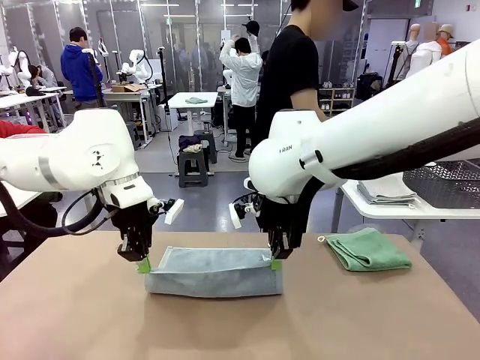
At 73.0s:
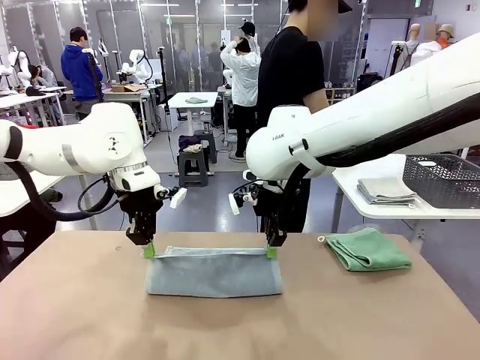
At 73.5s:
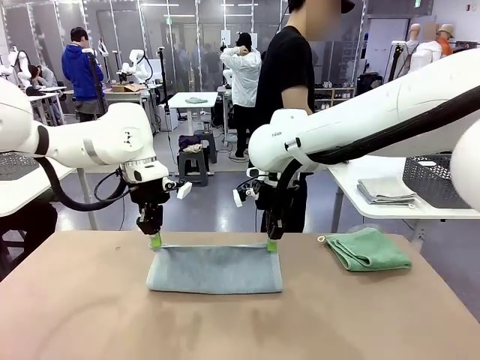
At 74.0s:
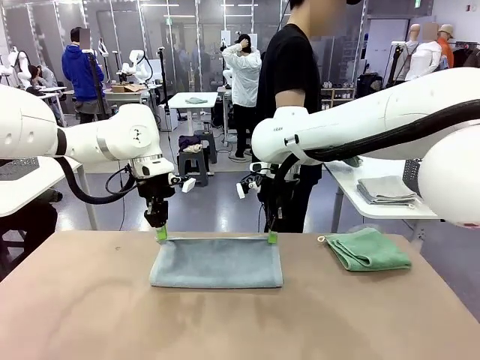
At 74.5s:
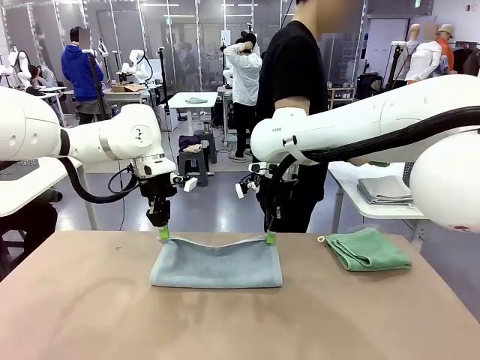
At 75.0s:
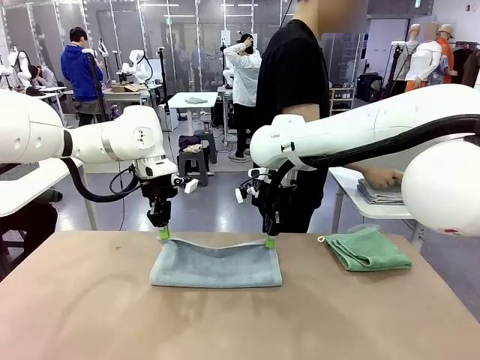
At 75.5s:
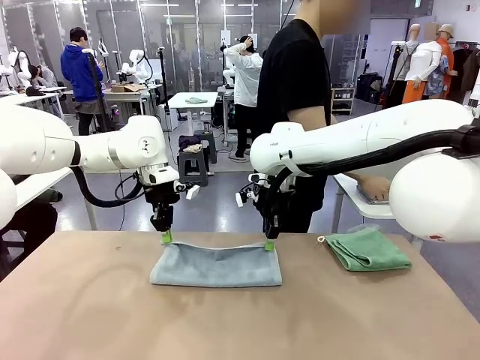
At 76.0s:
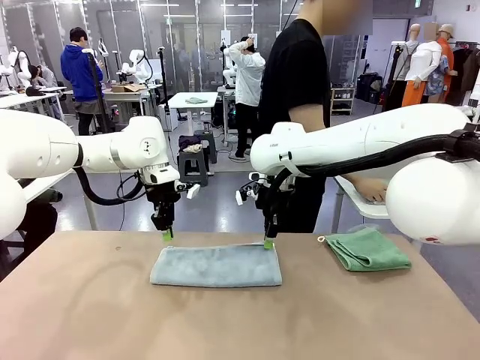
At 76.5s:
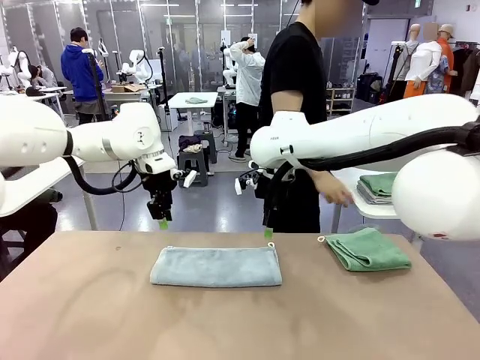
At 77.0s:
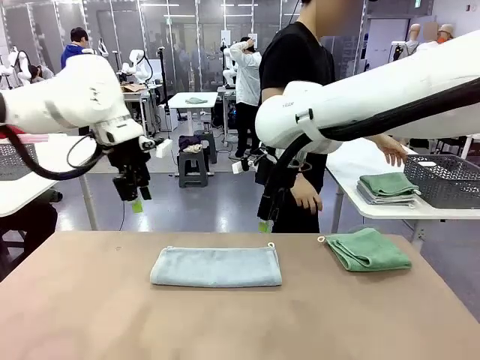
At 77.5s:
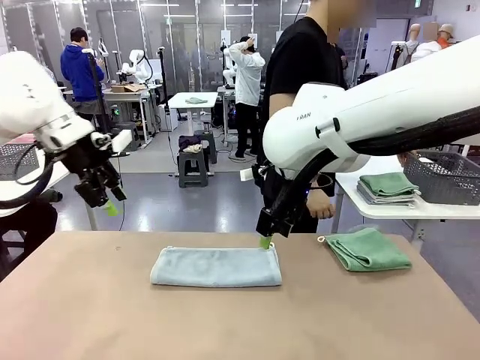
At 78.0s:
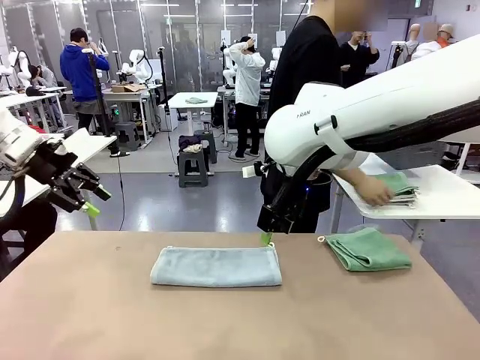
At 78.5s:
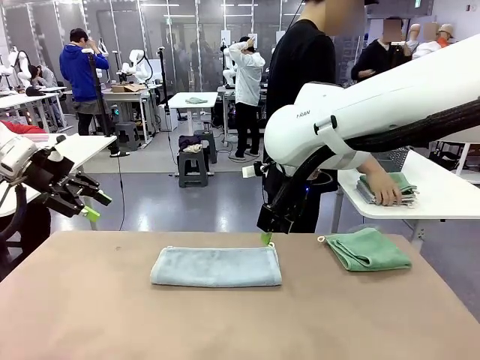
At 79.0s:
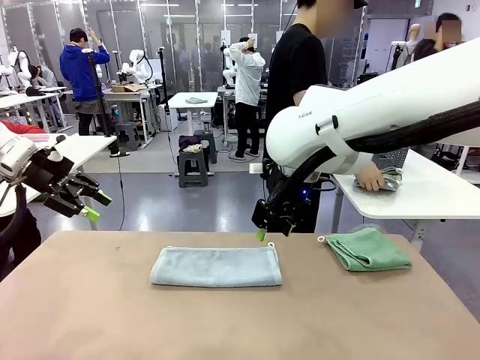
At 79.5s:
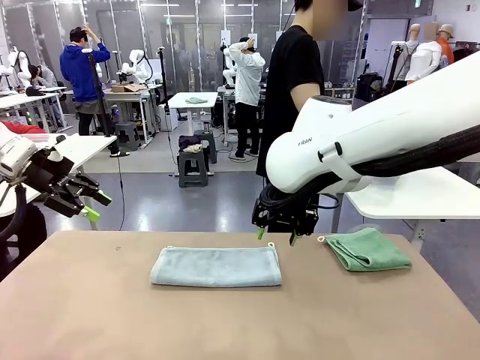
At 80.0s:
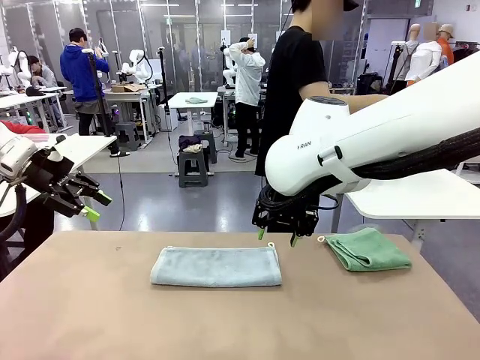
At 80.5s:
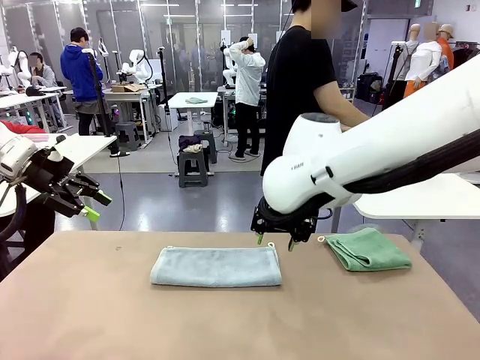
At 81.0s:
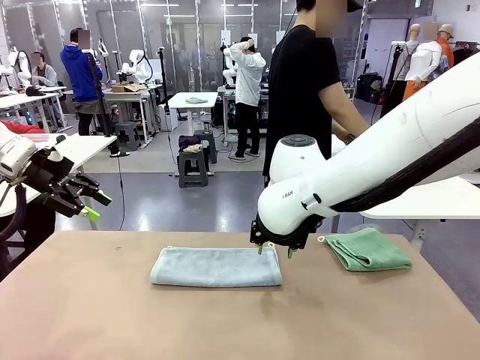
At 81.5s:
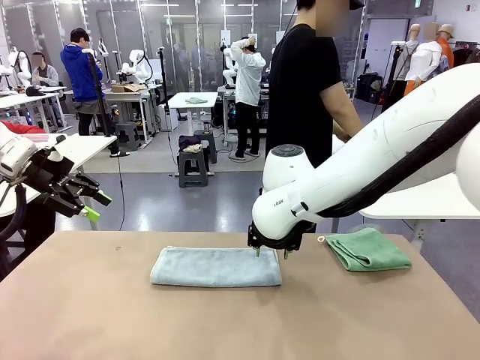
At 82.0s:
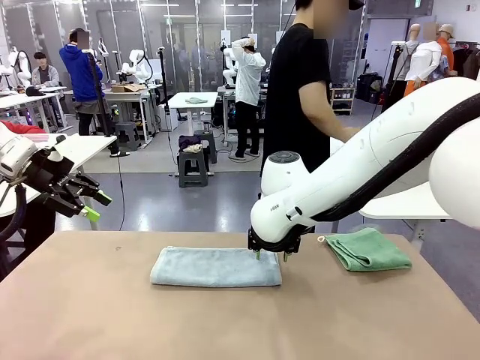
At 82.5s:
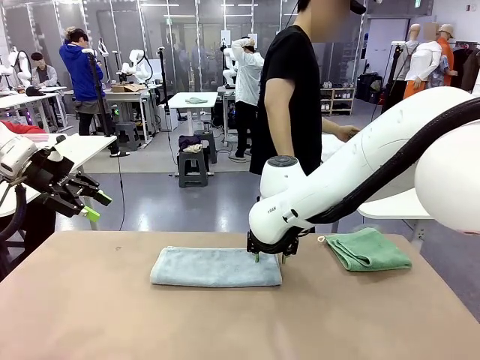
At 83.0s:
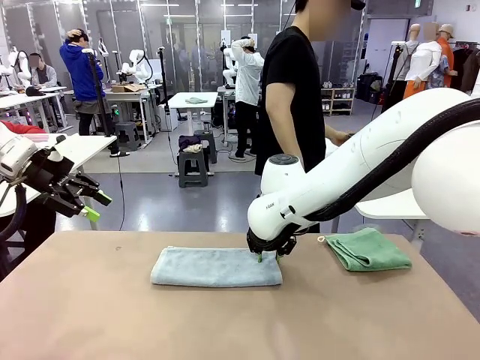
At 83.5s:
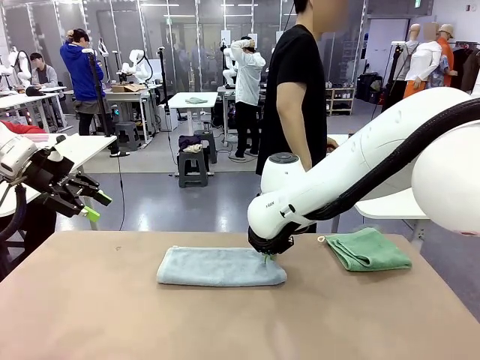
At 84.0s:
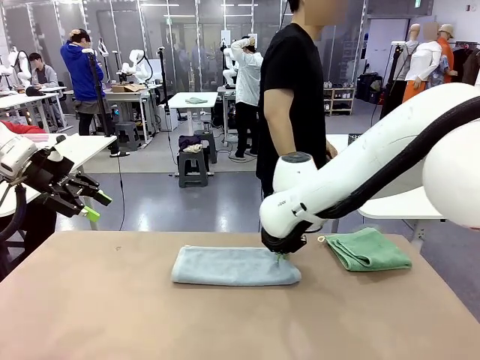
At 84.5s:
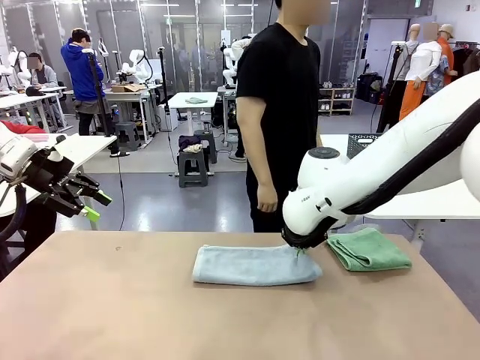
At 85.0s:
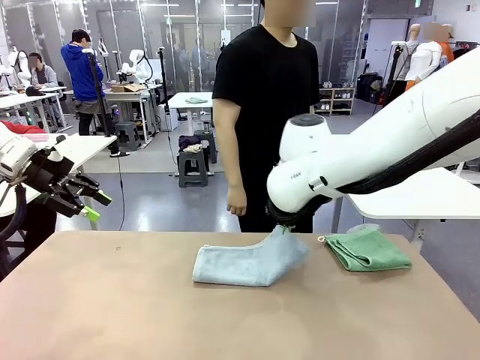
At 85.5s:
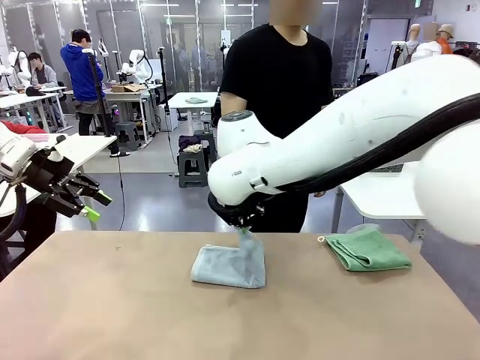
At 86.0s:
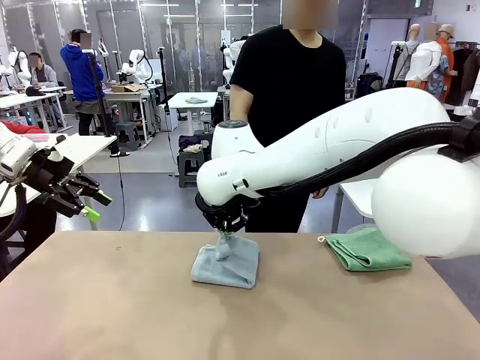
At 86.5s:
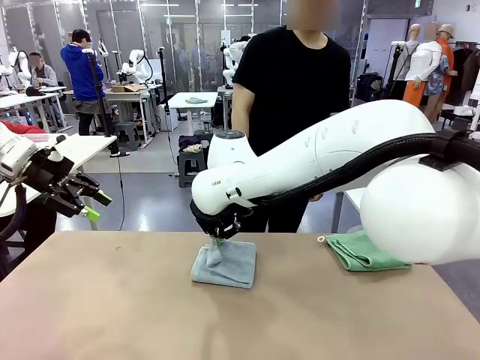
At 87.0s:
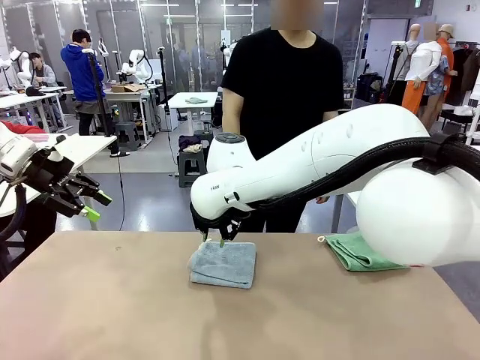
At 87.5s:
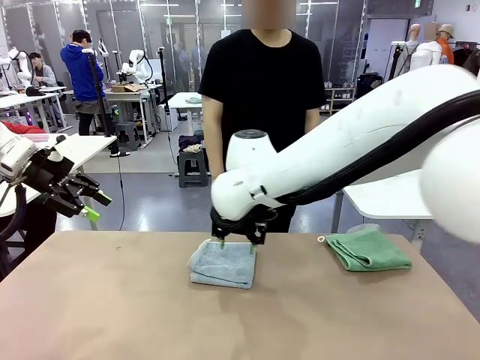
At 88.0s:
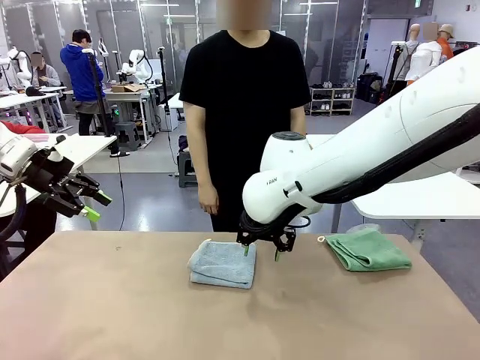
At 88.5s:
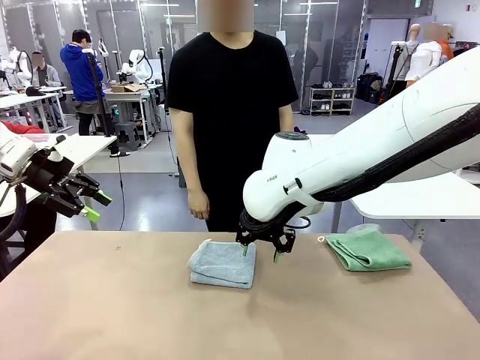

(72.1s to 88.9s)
Task: Fold the towels and place them in the basket.
Robot: When a person lays out a Towel with hook on the table, fold it in half twice.
Person: Pick up the stack of towels from the right side of the human table, place it into the basket, and put the basket at the center of the table.

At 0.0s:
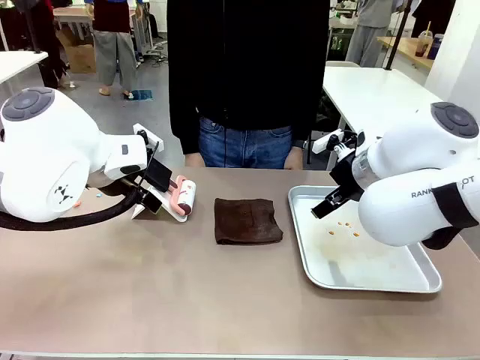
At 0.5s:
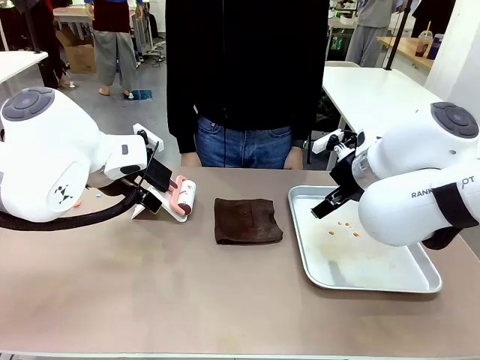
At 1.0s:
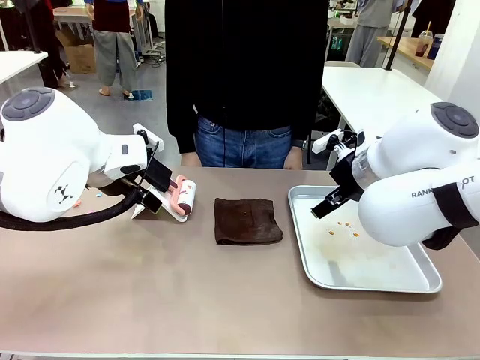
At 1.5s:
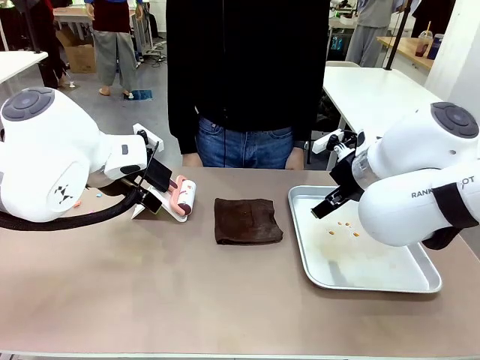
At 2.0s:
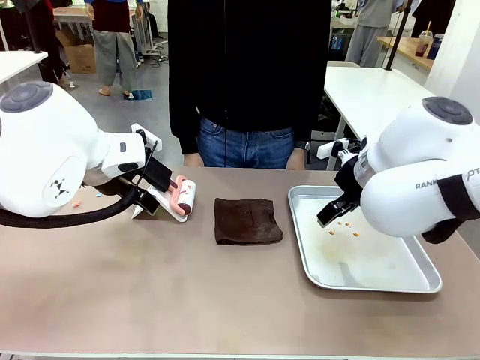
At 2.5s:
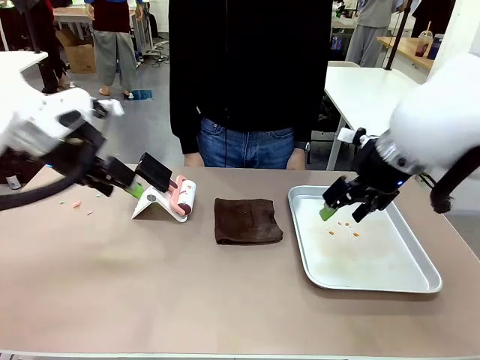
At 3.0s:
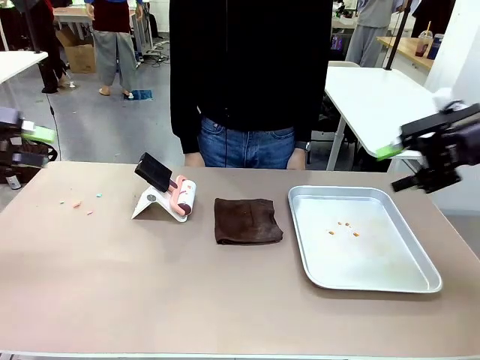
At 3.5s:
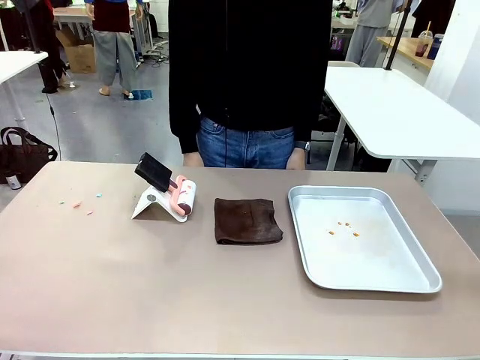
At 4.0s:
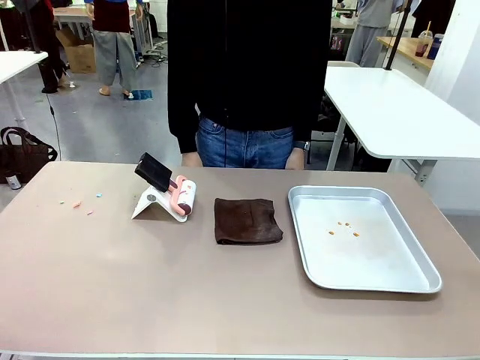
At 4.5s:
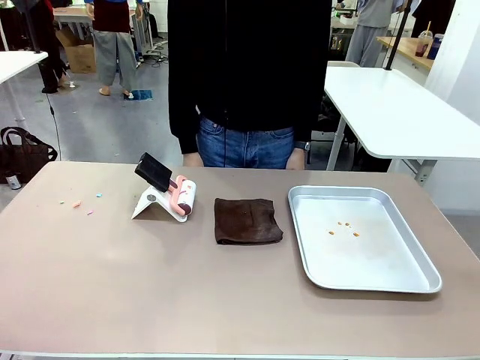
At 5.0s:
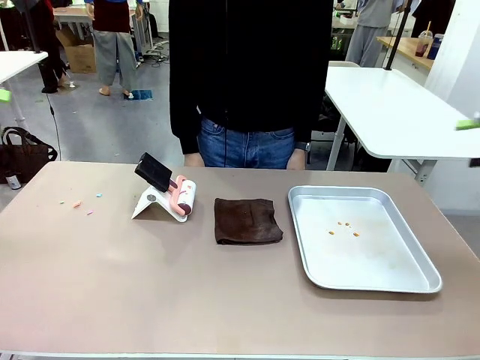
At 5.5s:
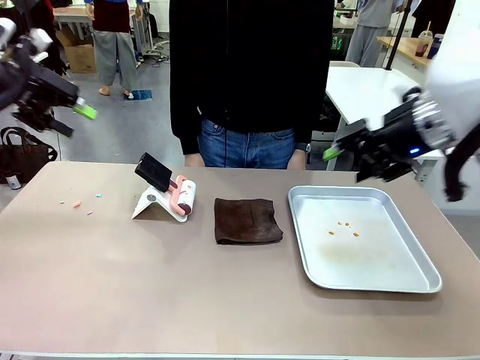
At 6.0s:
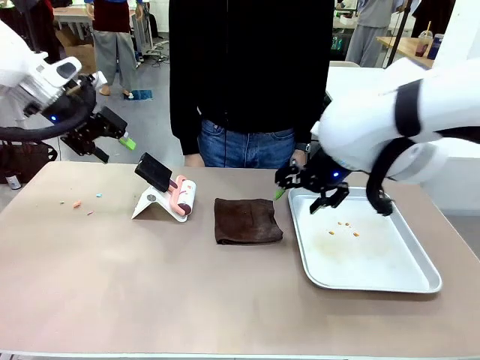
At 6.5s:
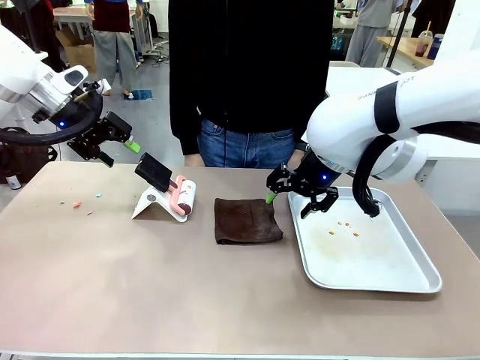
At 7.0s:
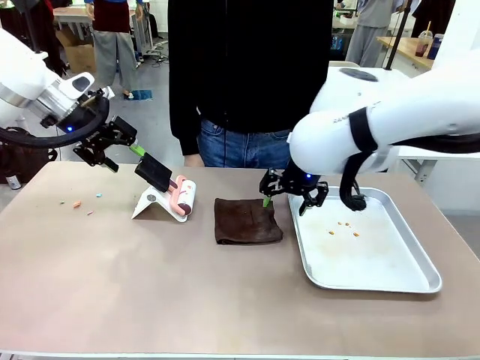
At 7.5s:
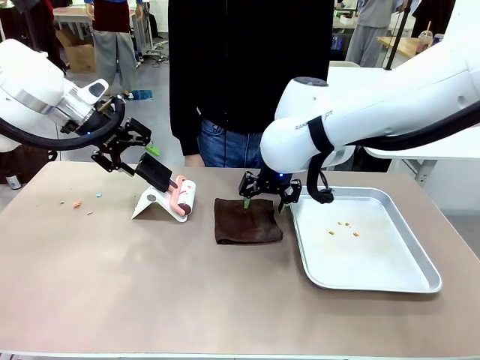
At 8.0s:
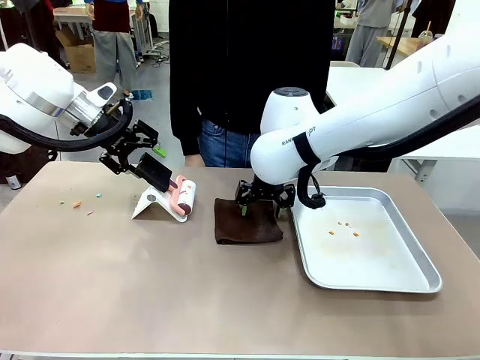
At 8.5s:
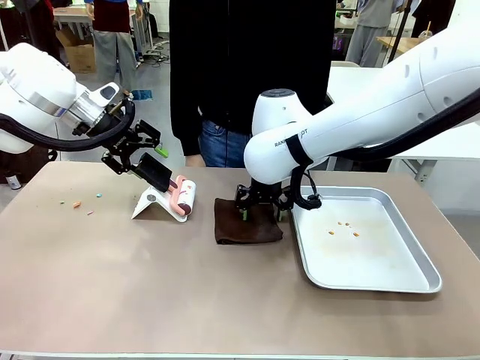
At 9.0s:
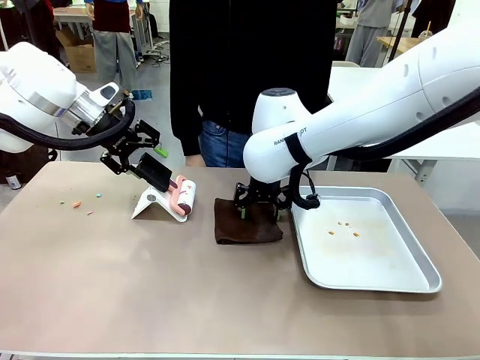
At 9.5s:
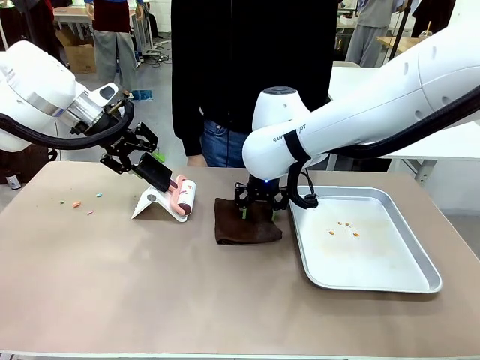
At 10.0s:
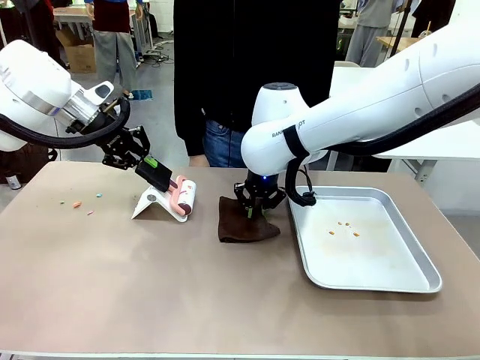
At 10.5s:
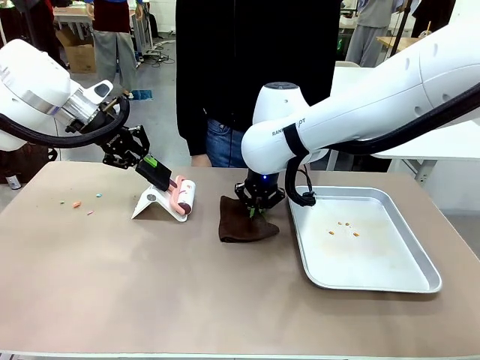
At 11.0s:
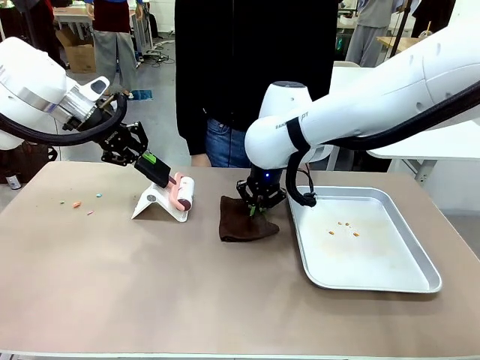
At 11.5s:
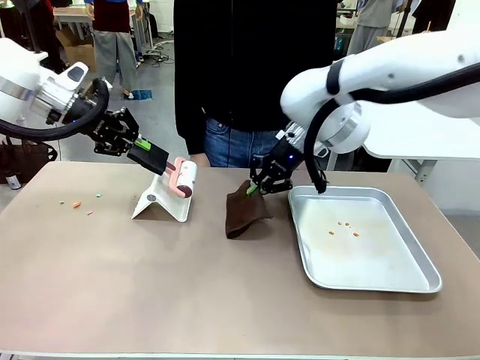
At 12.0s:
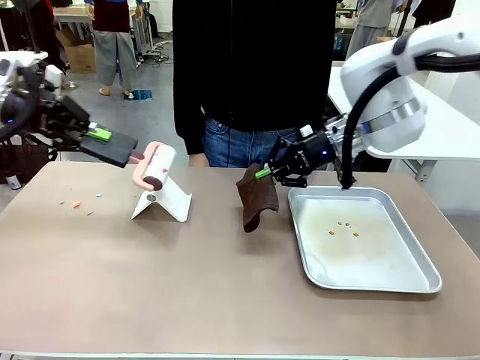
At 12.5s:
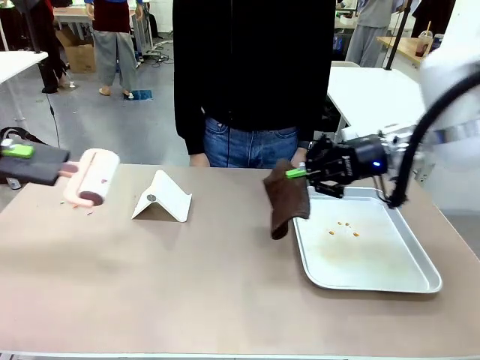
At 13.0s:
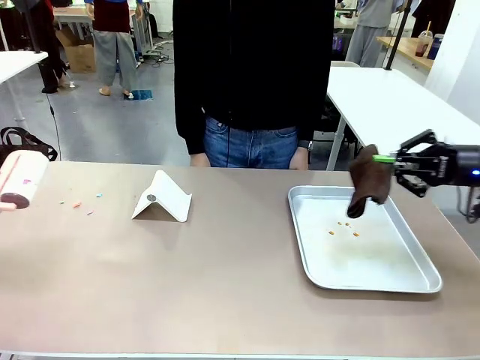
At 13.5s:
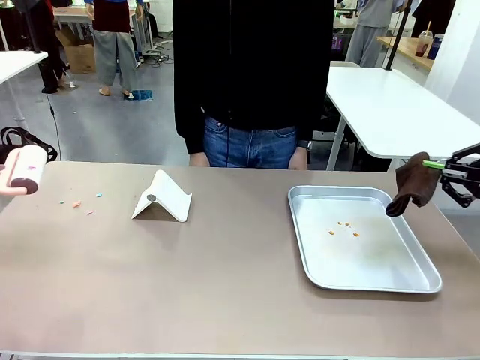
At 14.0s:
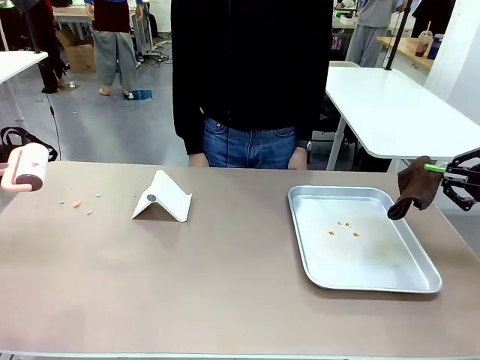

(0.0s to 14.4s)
Task: Clean the surface of the table.
Robot: Hold the Lint Roller with your left hand and the towel with your right hand.
